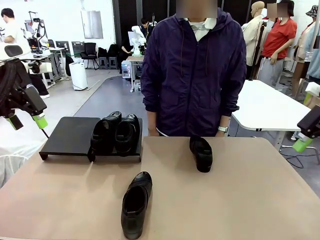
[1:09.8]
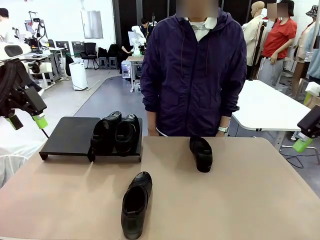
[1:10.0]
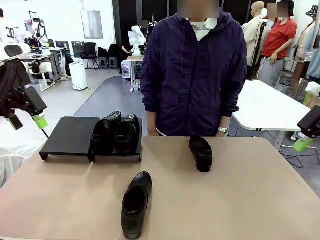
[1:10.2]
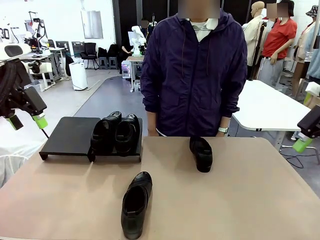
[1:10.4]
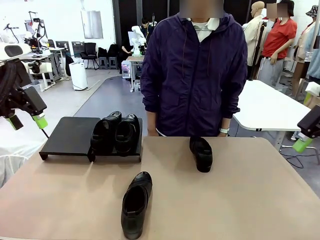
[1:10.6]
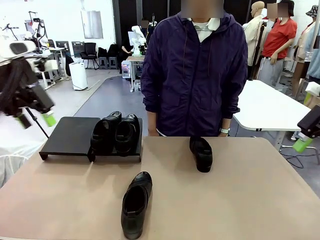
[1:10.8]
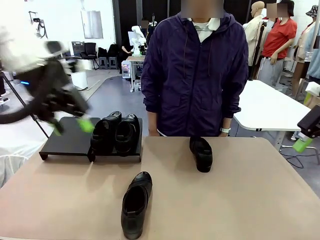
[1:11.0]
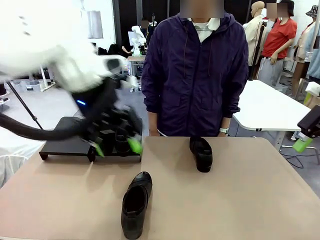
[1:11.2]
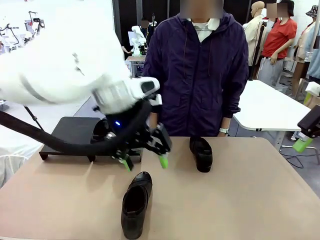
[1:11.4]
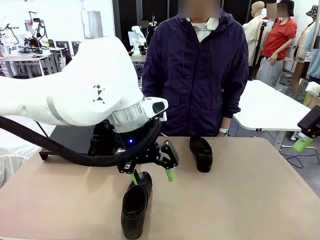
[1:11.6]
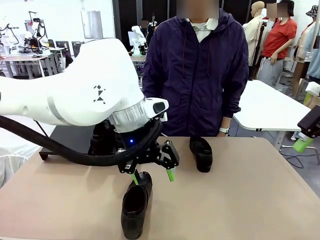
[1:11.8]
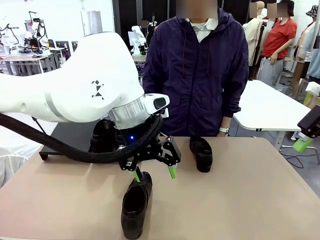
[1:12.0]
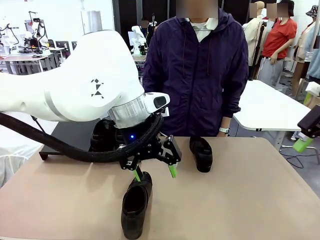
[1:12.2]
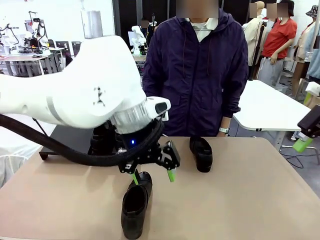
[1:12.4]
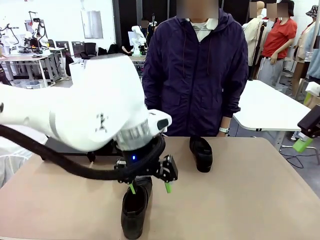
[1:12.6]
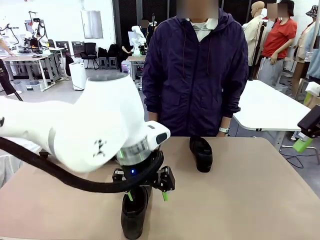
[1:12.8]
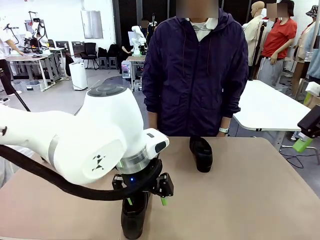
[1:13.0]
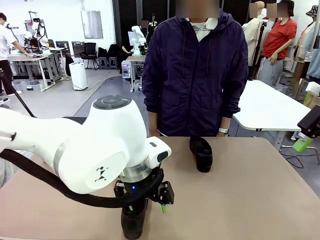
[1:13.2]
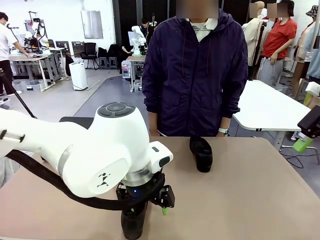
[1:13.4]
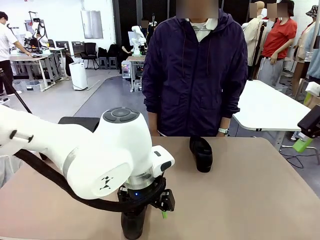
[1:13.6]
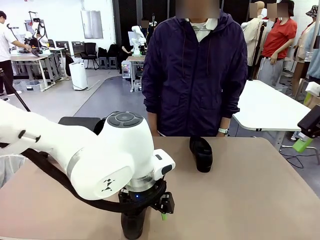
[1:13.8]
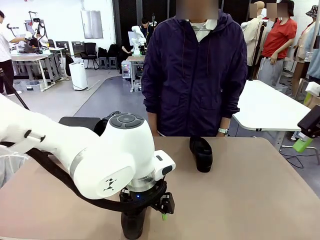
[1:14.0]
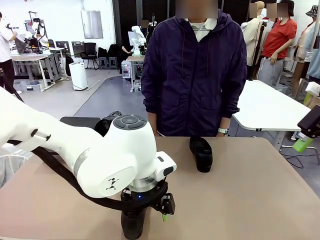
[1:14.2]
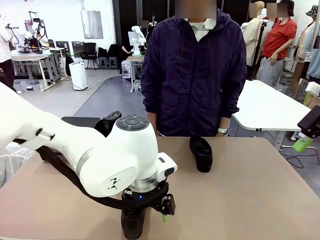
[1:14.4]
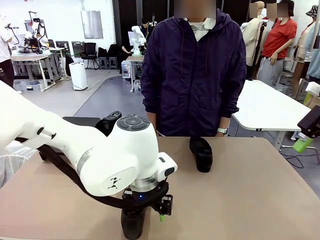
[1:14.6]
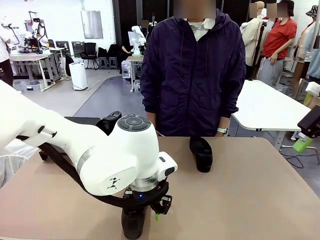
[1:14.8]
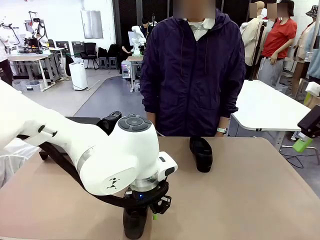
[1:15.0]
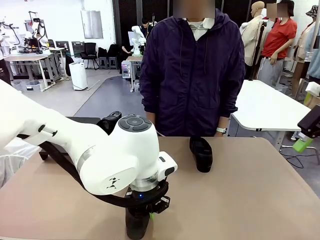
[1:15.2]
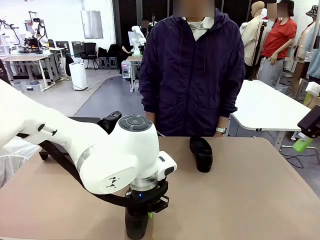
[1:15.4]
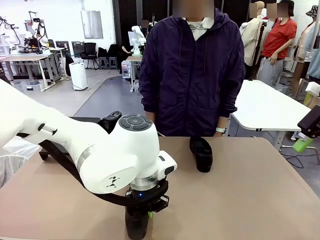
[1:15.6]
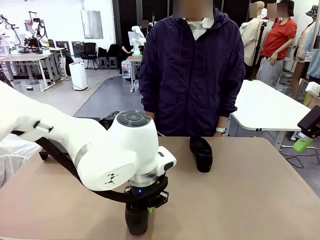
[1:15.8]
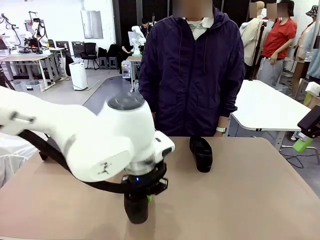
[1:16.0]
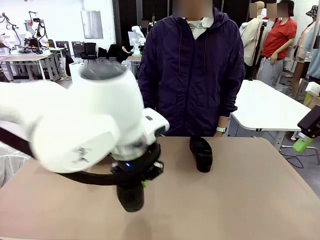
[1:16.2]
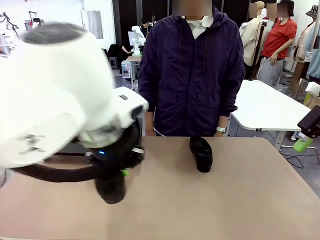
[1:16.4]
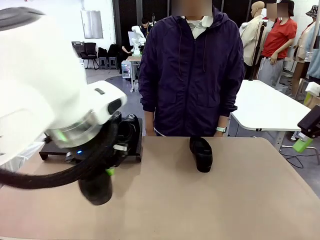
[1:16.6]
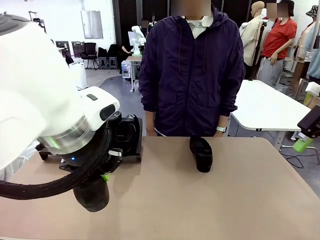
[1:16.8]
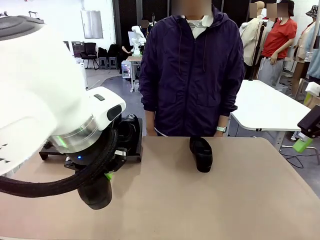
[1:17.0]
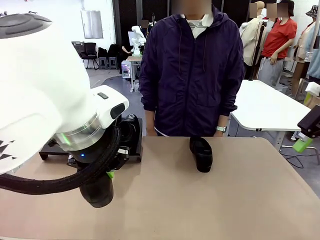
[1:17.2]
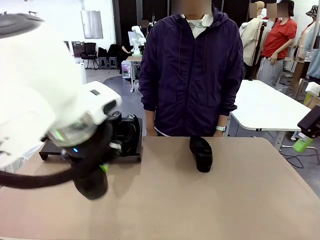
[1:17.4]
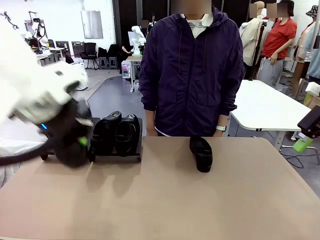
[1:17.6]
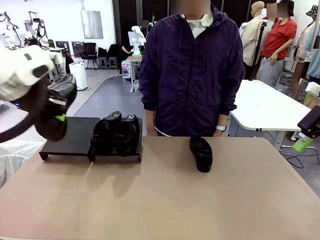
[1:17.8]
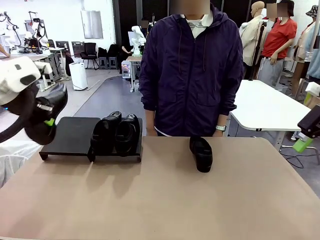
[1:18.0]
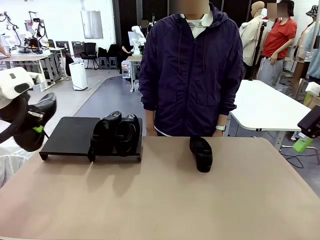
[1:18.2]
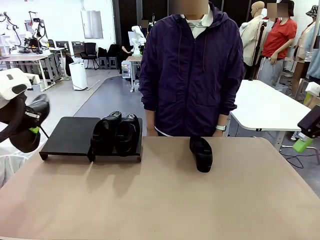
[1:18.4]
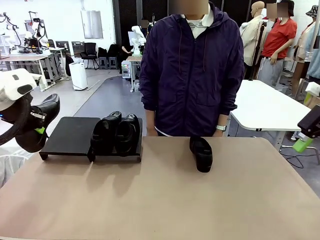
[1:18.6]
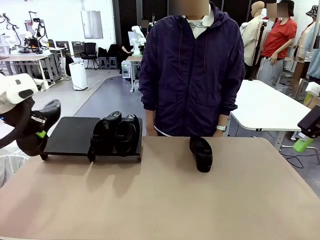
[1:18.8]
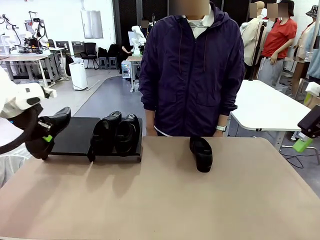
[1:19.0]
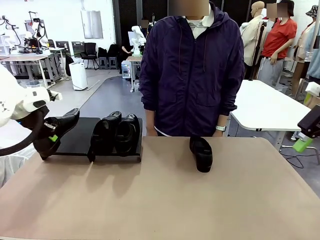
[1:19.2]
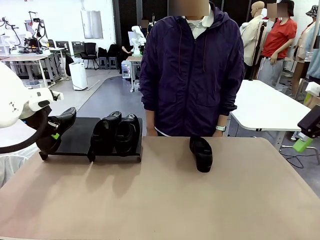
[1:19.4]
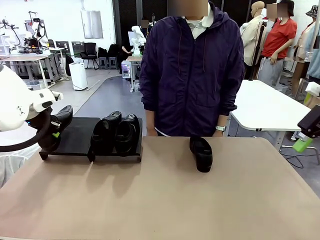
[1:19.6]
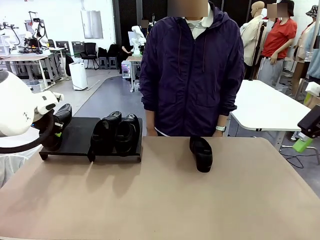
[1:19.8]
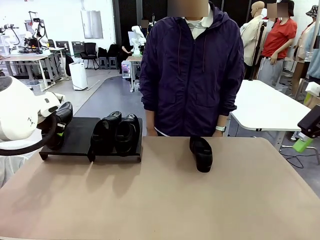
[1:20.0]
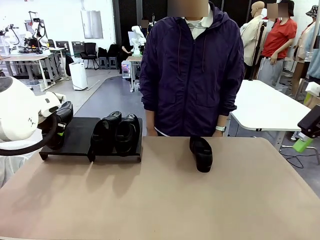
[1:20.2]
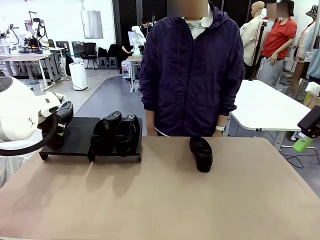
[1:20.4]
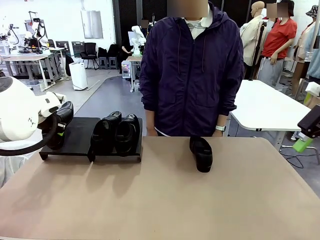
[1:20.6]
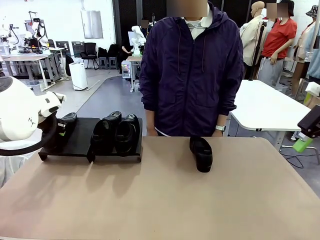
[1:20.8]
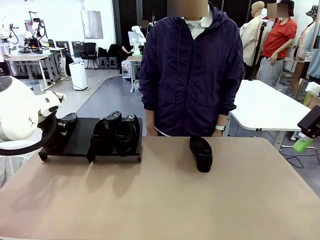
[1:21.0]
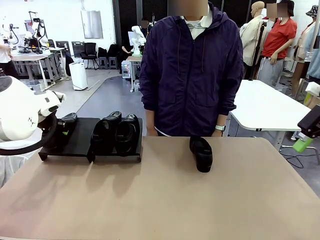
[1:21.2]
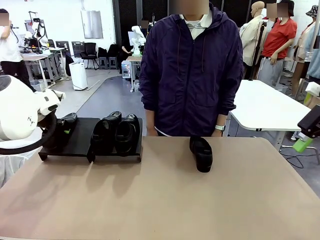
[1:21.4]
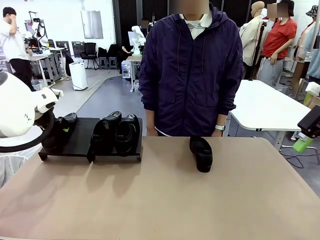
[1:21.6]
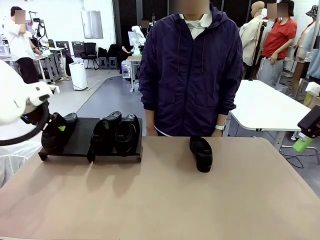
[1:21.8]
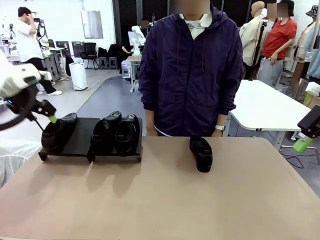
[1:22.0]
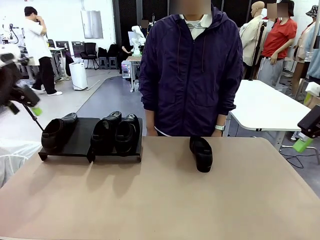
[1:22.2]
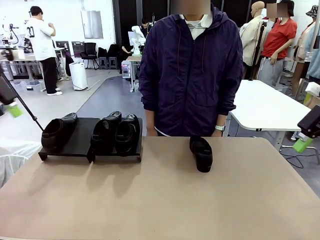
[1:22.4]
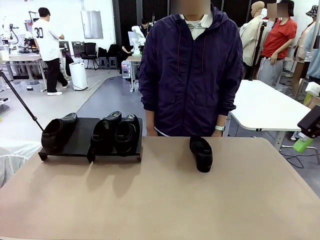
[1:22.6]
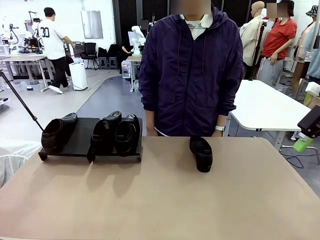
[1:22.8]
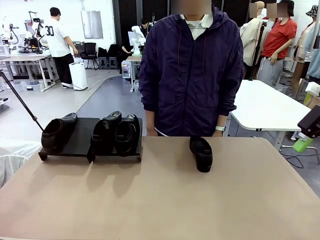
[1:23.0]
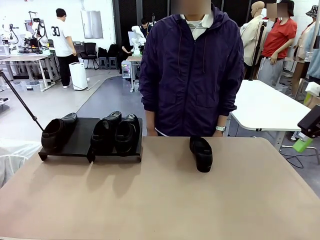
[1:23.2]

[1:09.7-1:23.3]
Task: Organize the shoes by placing them on the stand.
Robot: Place the Shoe from the middle of the table onto the Shoes Stand.

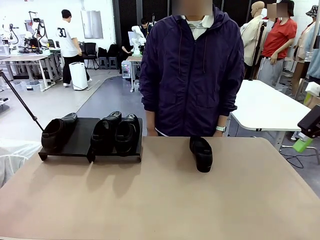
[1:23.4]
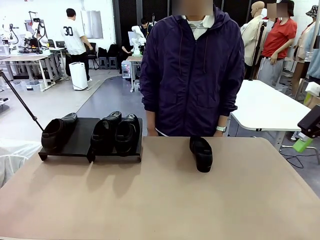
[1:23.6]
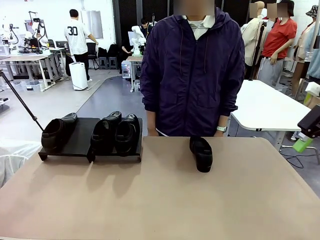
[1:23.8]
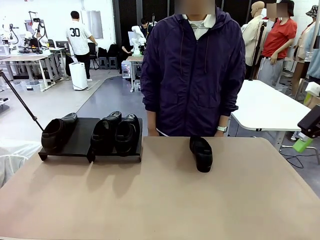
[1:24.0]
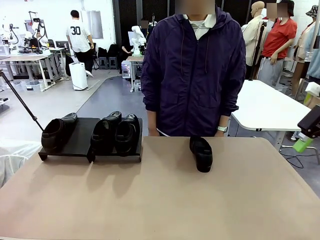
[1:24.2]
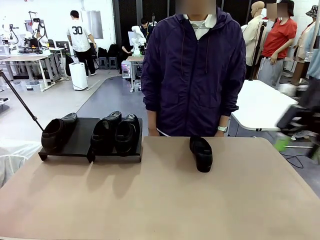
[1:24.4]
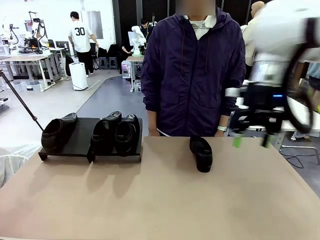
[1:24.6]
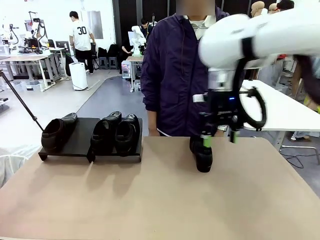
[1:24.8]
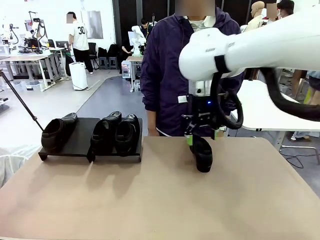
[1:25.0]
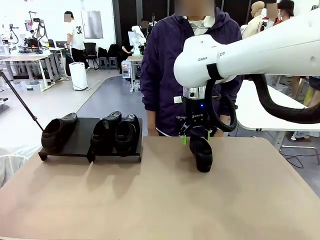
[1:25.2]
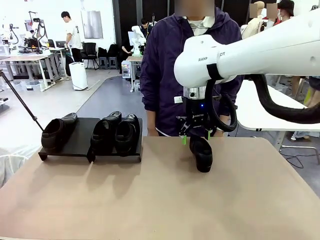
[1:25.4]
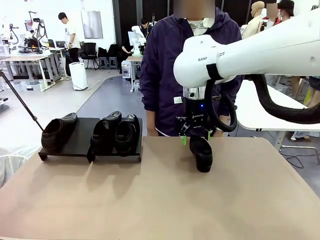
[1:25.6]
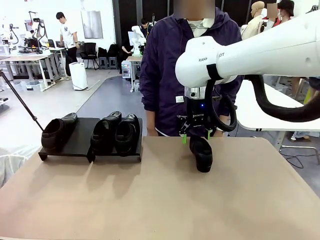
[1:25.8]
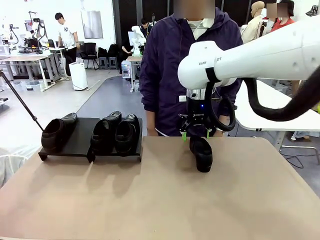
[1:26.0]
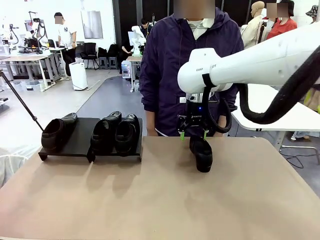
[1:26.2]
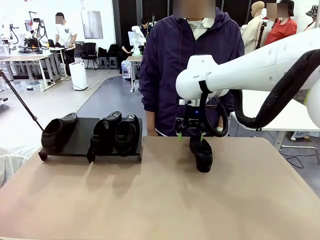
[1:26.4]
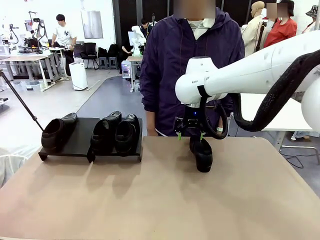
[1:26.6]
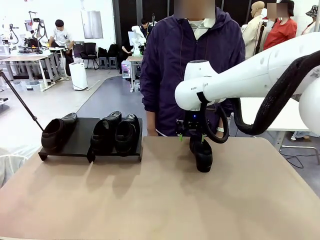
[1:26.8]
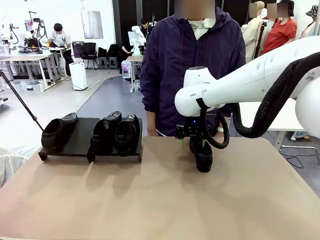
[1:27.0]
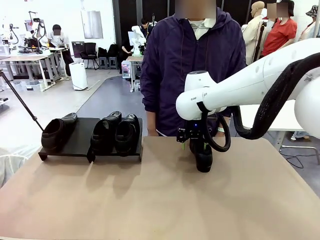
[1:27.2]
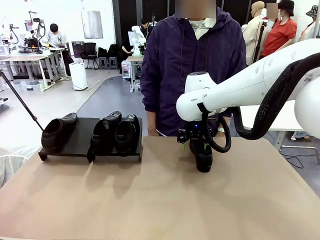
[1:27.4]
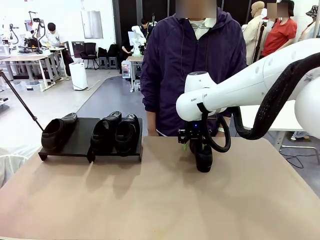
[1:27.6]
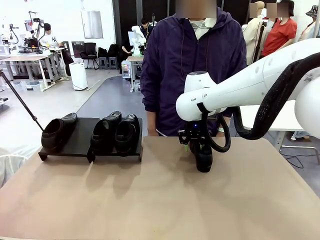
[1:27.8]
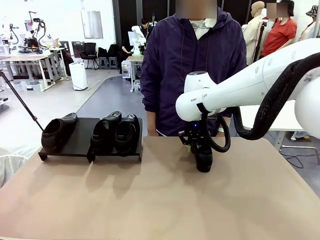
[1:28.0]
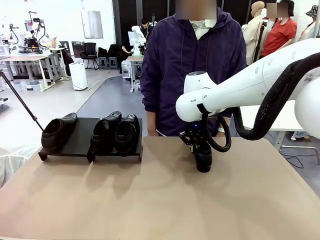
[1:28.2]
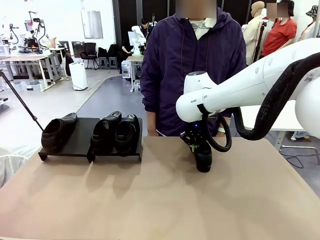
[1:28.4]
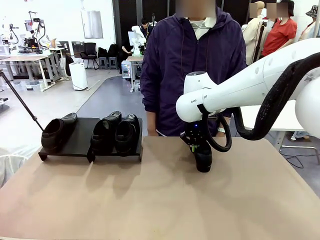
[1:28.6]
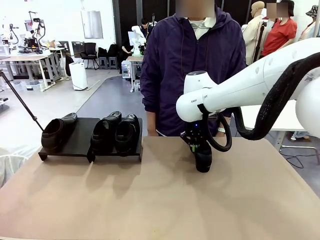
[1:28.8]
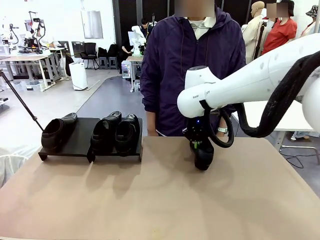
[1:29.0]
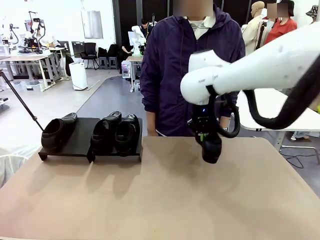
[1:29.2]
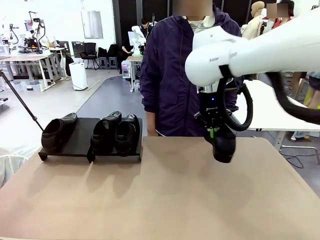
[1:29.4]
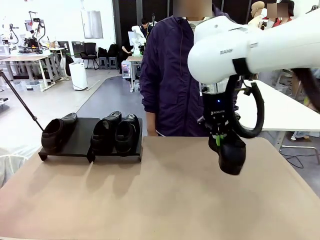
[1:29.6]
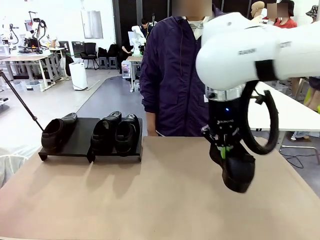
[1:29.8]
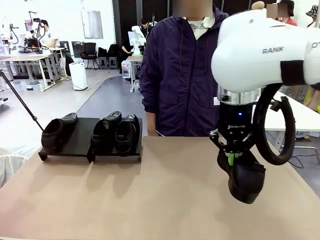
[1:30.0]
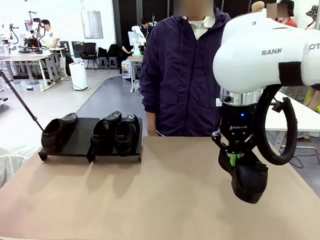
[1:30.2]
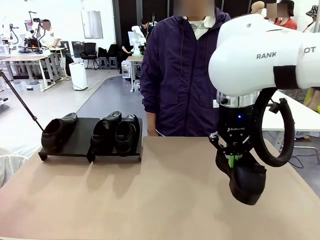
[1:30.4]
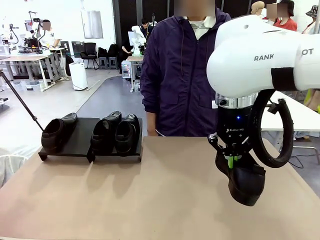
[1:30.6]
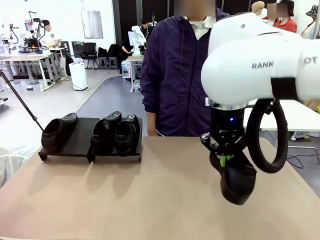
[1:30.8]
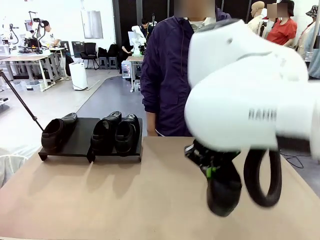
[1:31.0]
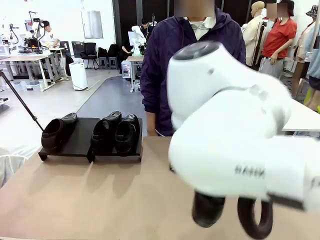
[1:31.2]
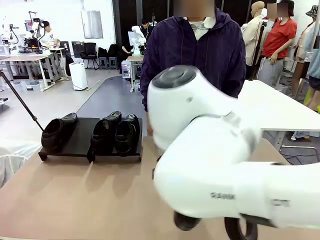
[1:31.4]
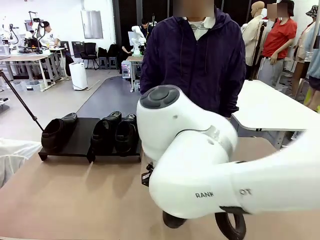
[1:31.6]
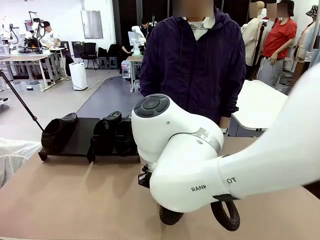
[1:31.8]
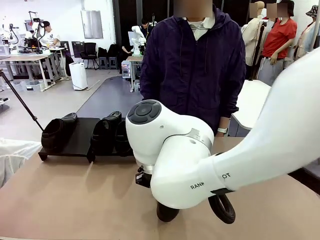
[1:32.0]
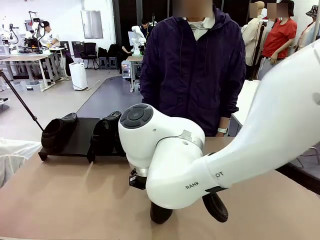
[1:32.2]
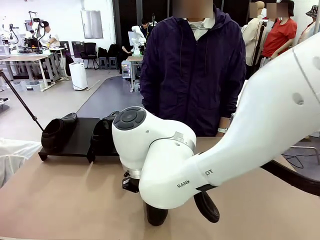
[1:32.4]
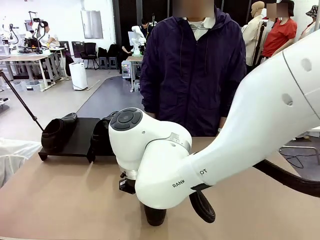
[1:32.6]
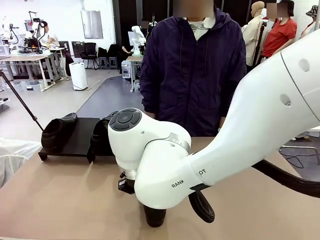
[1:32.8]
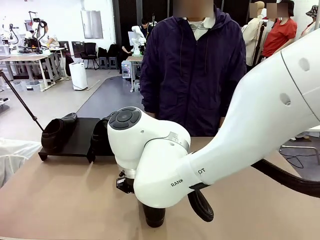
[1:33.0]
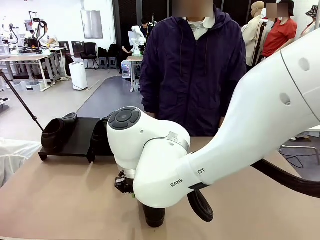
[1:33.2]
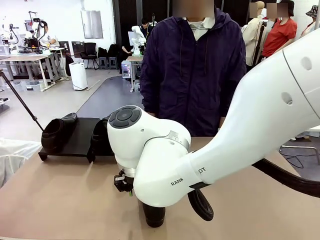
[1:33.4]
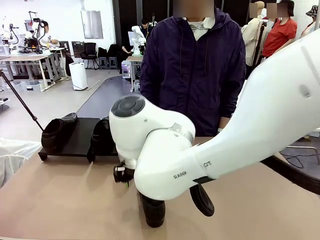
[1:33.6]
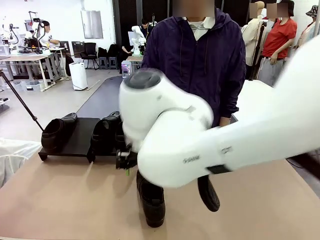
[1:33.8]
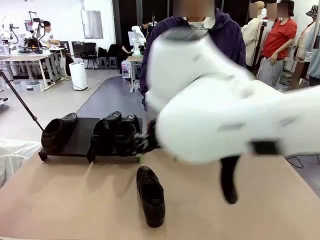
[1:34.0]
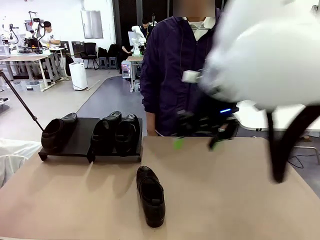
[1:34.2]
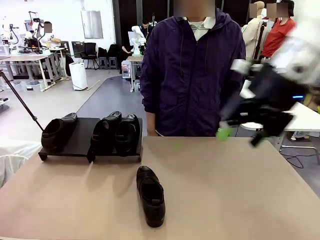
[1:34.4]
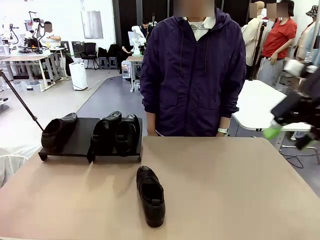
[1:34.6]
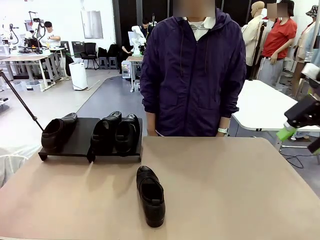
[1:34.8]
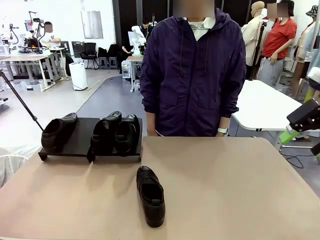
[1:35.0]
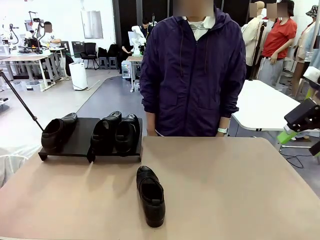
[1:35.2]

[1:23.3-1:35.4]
Robot: Pick up one Shoe and place it in the middle of the table.
